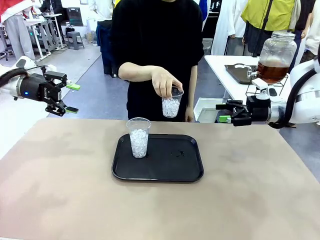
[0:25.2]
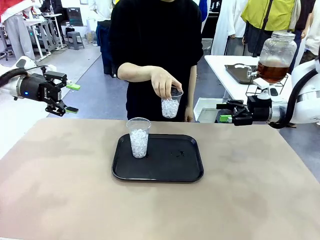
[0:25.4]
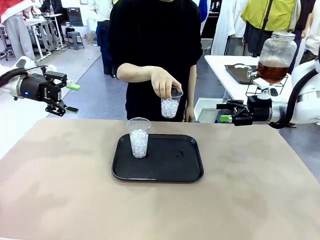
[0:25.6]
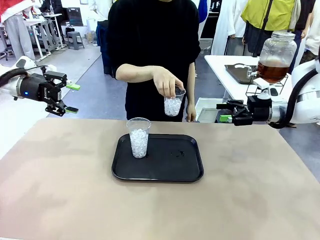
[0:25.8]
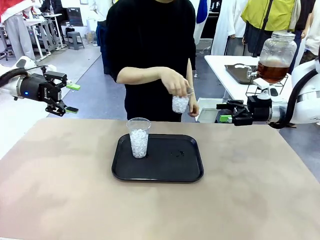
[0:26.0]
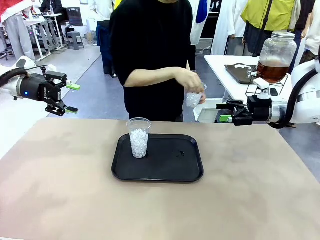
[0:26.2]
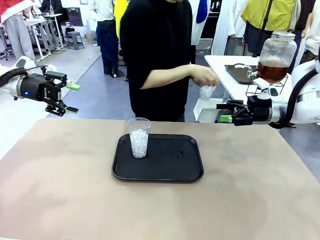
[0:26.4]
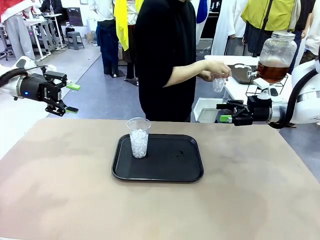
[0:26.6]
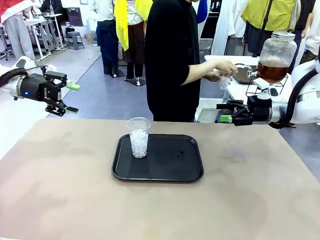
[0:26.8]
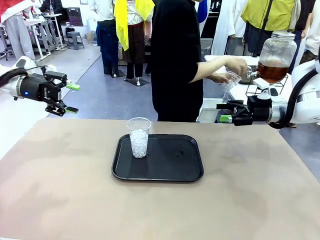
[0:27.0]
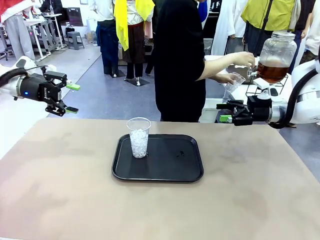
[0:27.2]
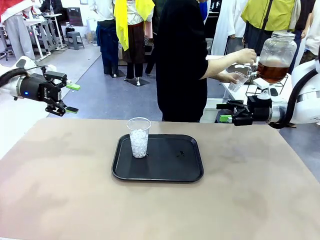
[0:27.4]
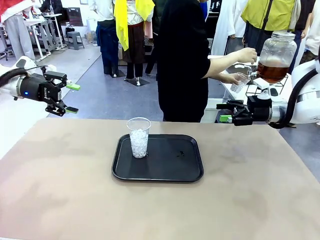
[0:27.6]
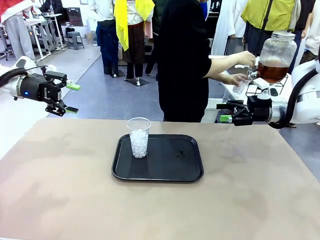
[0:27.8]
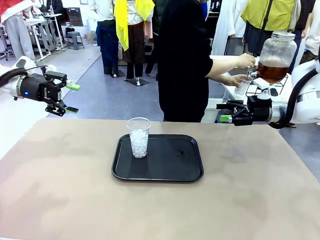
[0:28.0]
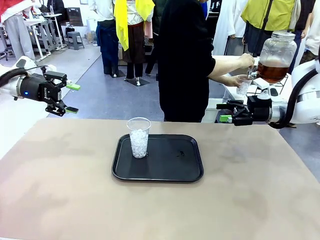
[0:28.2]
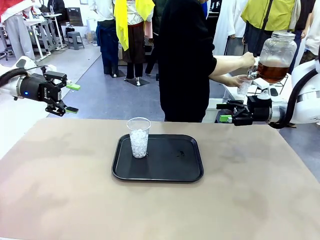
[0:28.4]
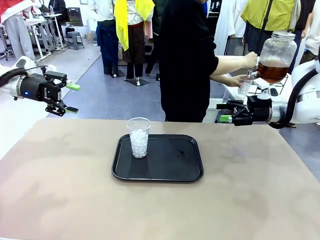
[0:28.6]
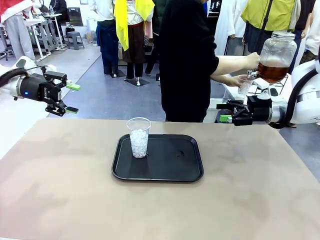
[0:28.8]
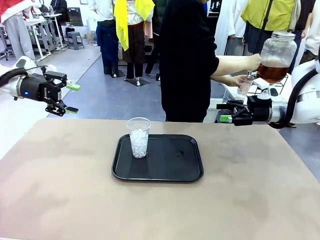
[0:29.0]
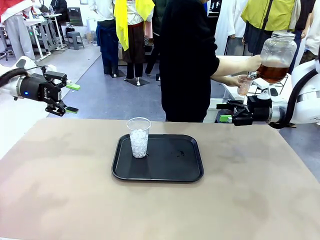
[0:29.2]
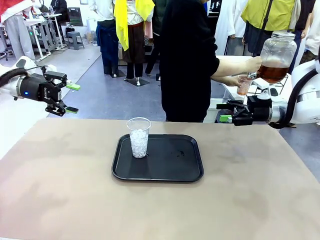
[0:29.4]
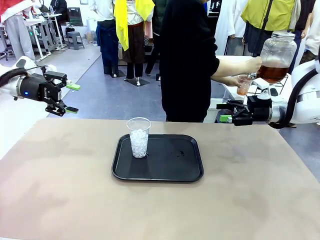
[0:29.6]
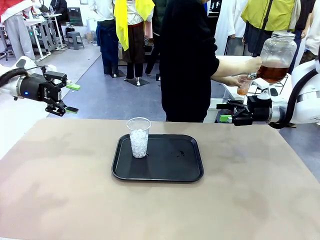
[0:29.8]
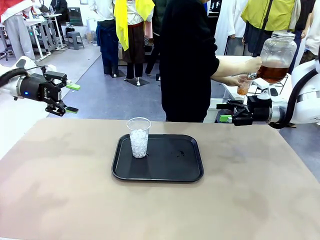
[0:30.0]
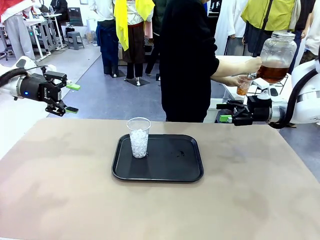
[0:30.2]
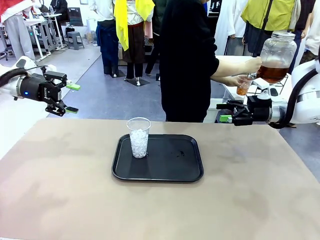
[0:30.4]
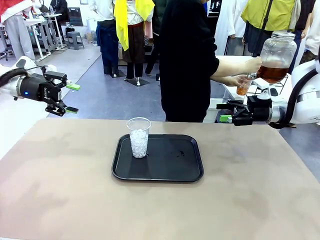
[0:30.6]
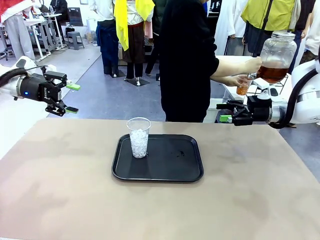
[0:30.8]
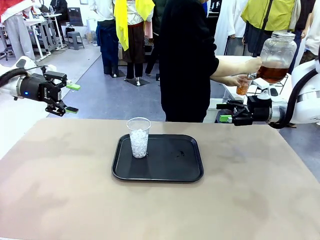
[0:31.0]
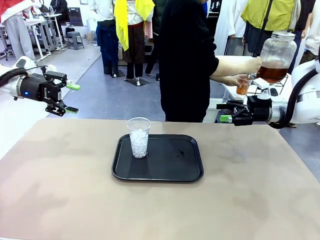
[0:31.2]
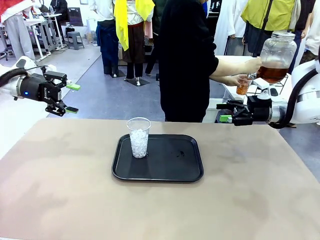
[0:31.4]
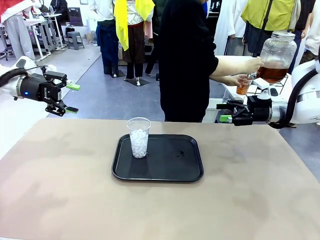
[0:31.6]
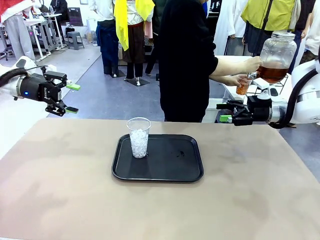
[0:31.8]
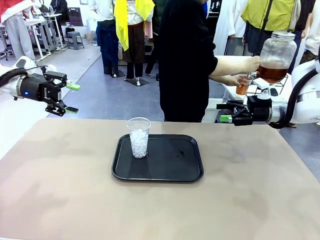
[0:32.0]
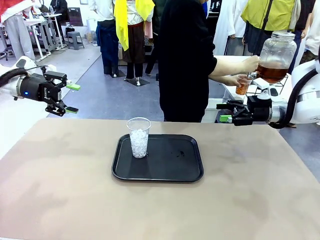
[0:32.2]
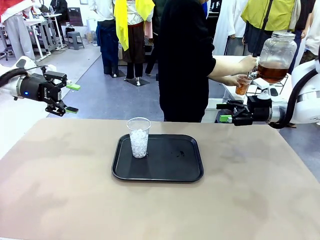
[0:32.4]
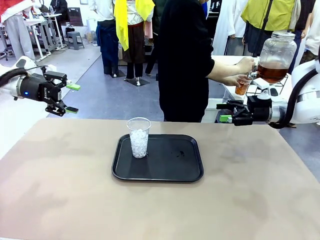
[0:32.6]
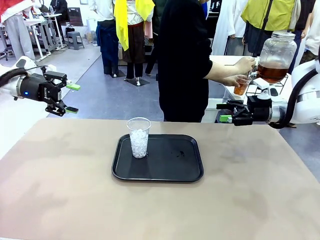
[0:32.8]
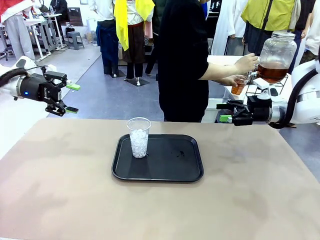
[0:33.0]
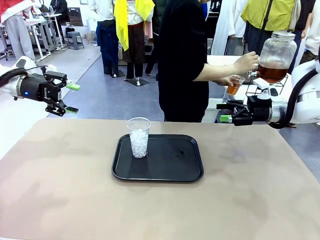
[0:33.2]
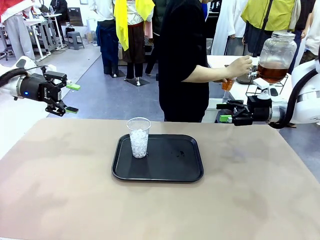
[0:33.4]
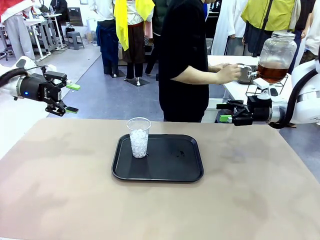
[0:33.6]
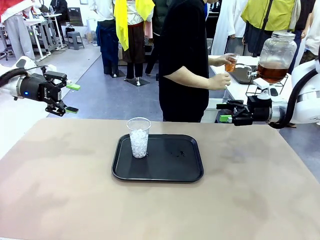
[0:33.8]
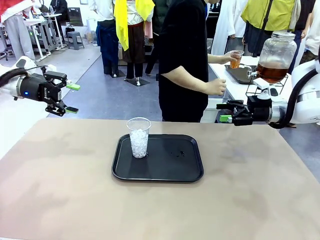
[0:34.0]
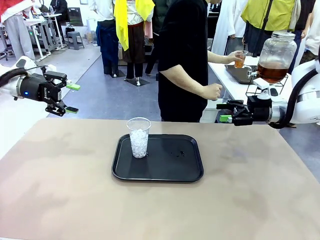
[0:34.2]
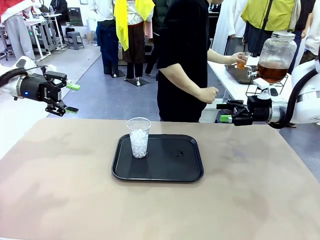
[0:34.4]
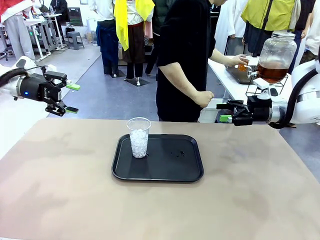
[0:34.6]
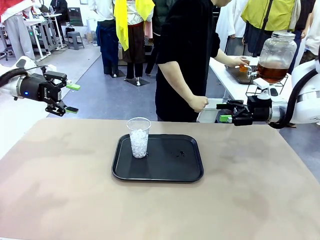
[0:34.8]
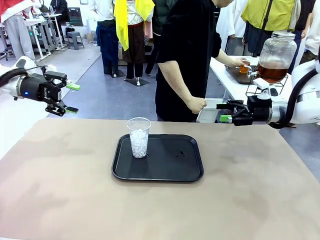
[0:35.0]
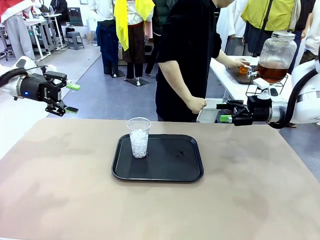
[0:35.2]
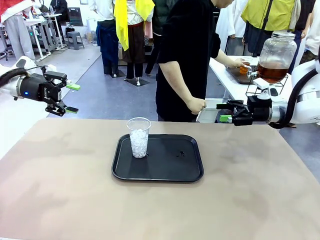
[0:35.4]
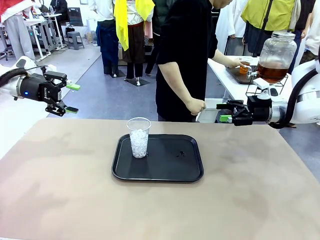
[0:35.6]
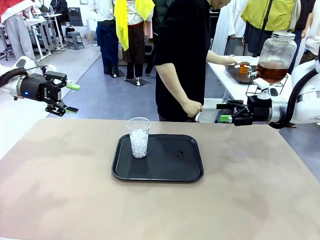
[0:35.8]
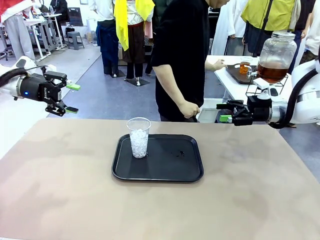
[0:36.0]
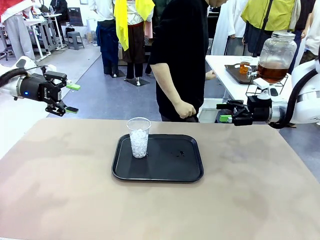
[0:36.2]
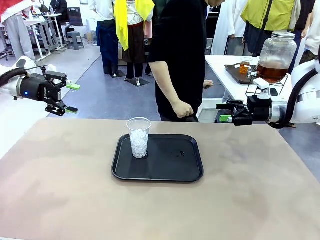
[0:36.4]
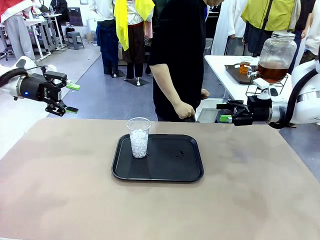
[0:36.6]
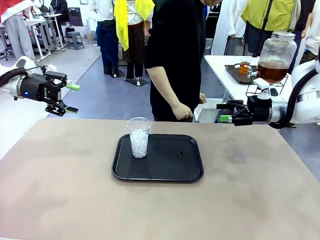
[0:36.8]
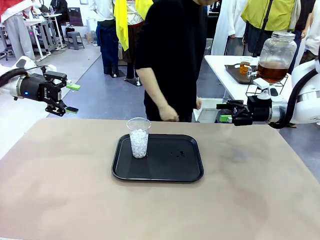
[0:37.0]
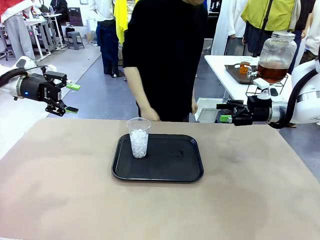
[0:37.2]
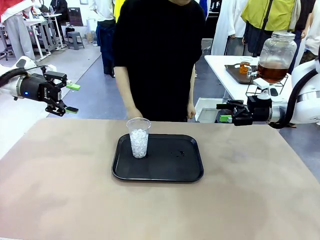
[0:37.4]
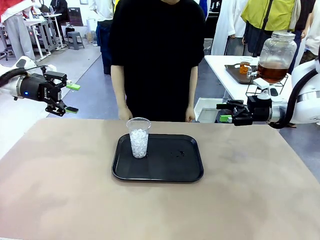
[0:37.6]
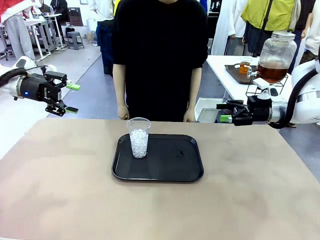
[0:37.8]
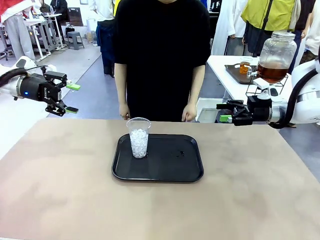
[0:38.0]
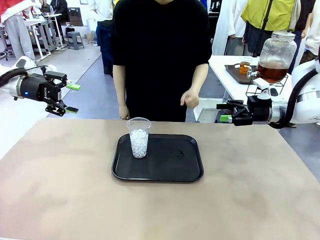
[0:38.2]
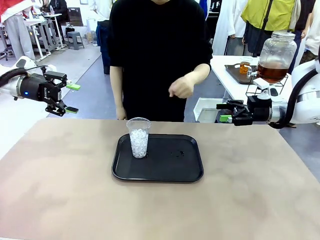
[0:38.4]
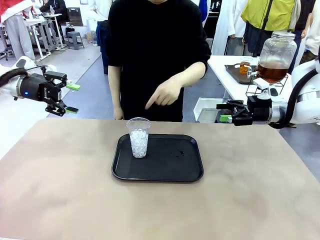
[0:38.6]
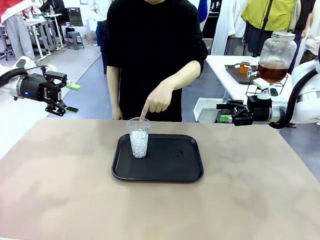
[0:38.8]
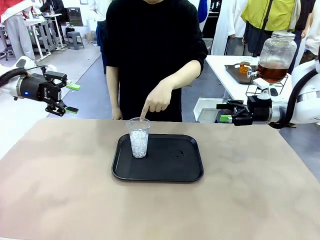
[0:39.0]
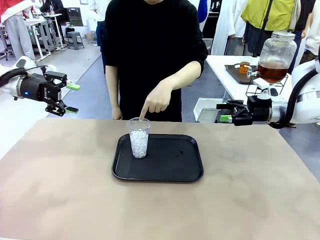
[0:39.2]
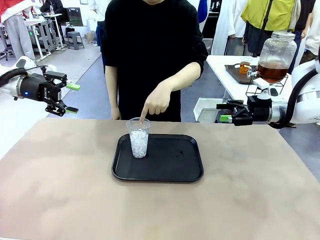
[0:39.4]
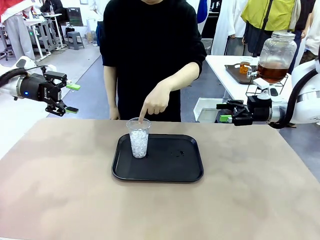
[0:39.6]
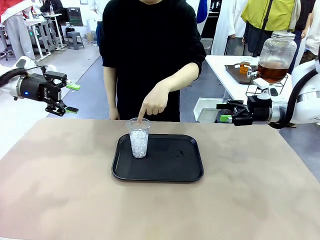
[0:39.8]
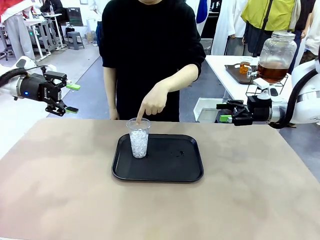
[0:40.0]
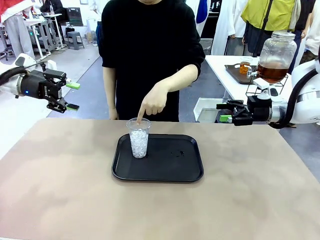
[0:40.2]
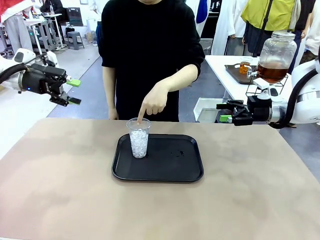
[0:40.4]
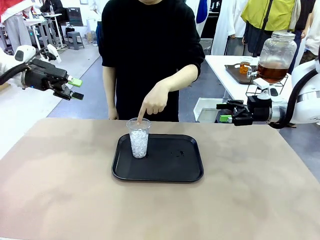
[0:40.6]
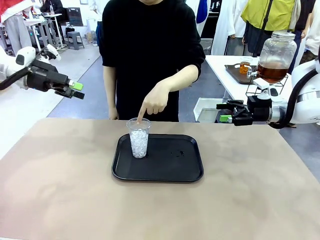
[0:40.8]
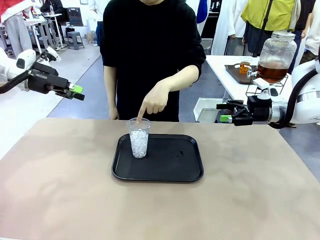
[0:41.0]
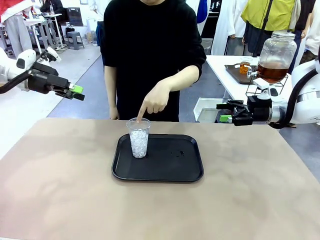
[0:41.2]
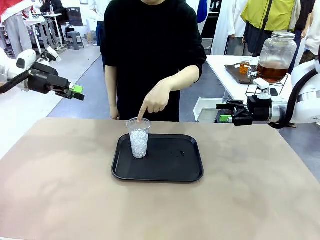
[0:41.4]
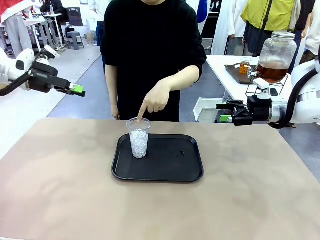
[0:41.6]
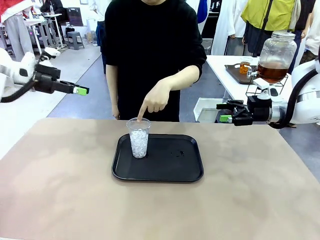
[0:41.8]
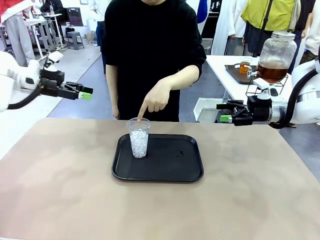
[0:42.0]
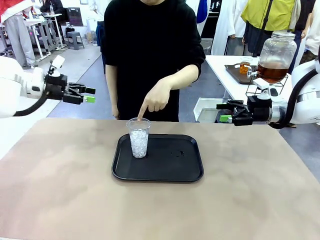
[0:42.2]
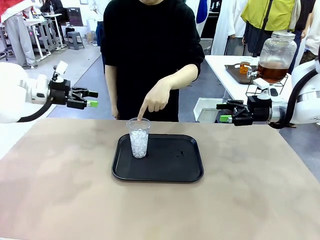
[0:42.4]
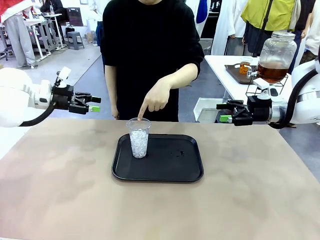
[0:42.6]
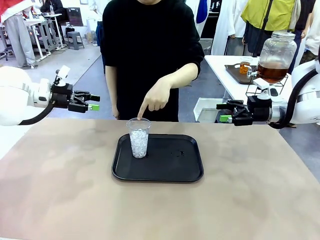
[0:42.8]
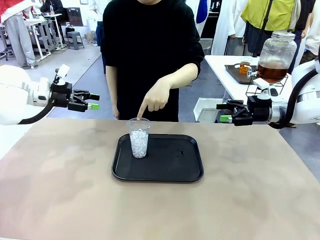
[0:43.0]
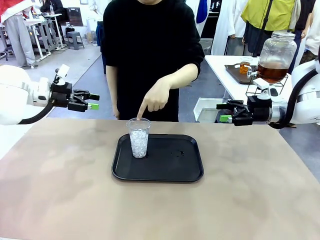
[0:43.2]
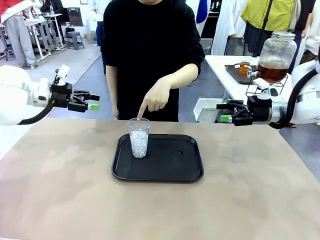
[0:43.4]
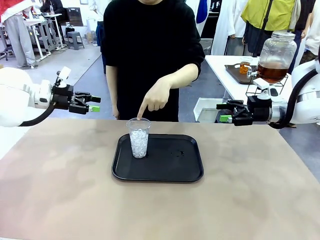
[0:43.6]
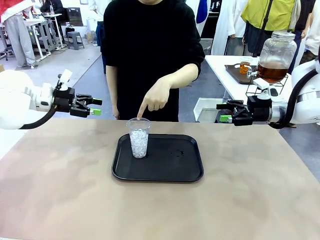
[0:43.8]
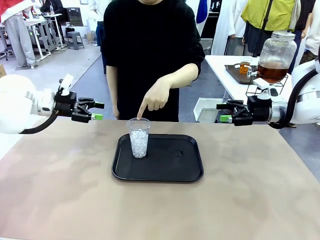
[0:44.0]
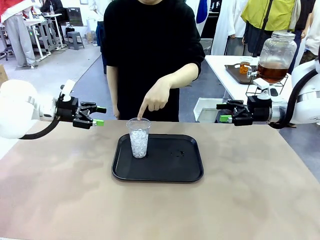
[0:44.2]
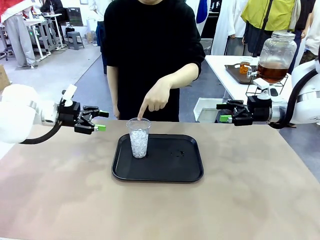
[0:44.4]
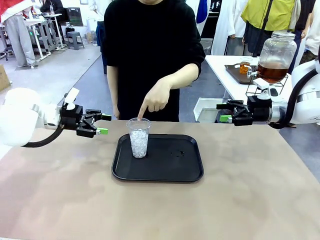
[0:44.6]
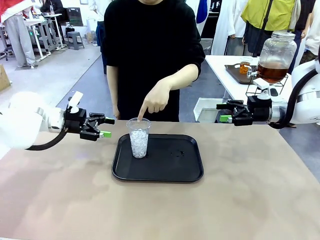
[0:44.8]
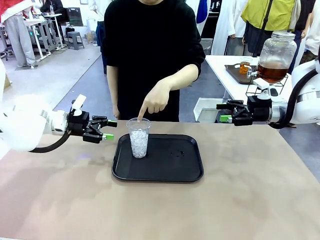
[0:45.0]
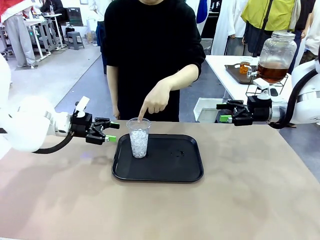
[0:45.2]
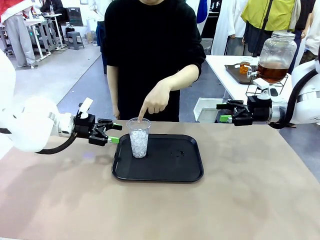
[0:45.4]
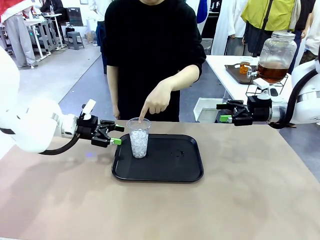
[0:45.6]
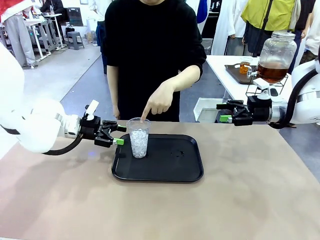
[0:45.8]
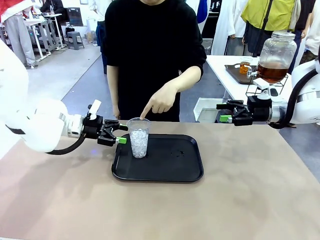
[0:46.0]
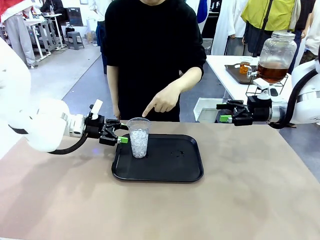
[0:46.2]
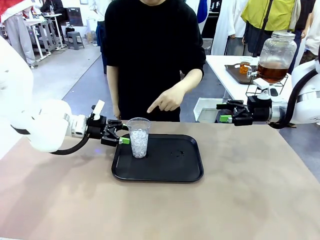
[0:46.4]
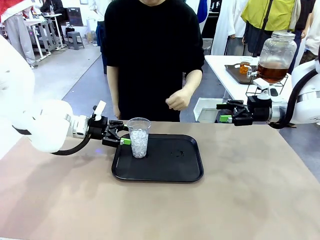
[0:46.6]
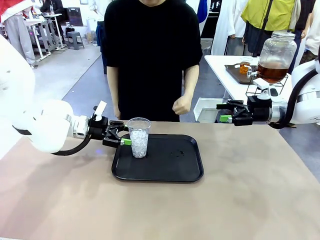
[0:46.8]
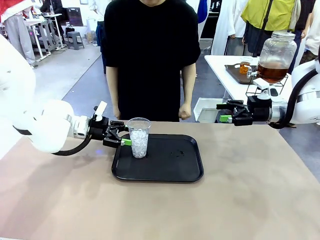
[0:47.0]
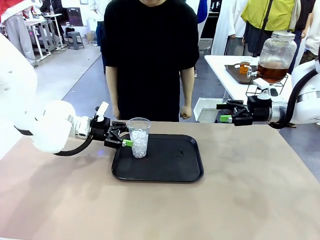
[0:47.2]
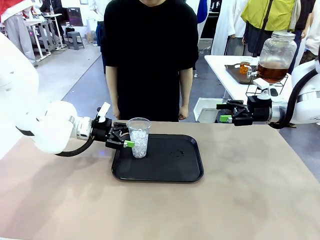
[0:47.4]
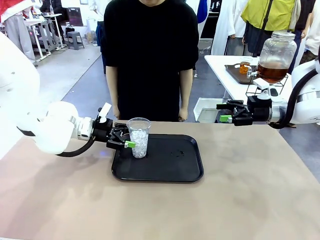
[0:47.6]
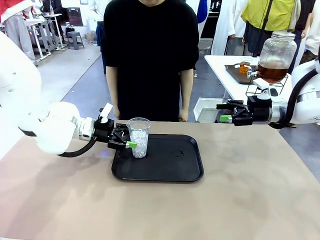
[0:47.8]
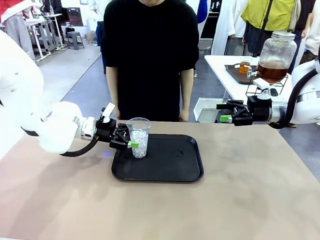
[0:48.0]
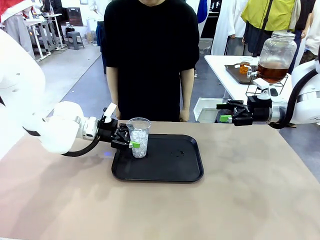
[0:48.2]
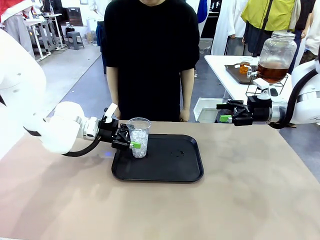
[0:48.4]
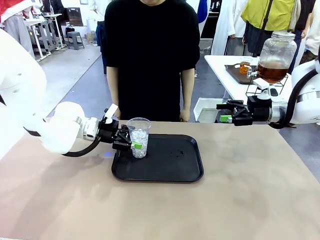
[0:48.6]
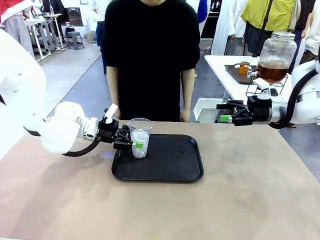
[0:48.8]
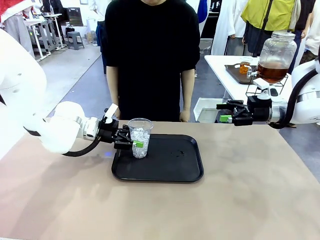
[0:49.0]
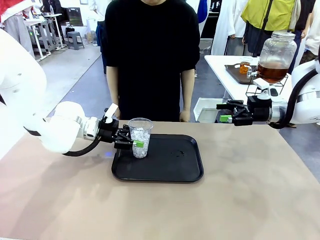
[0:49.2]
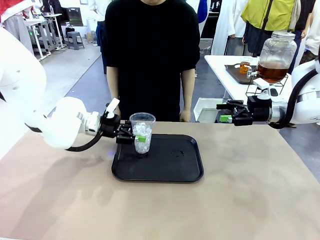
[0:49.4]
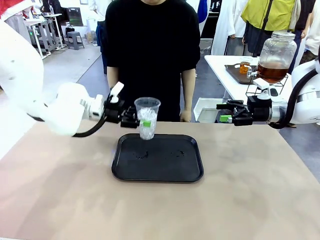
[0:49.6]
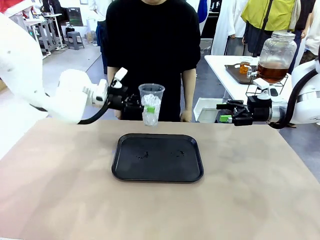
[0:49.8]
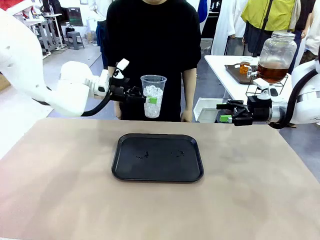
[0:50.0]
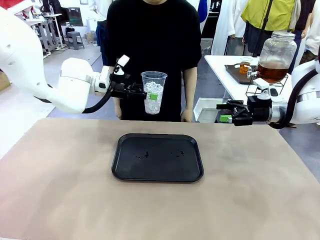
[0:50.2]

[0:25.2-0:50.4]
Task: Pour the drink into the iced cup.
Robot: Pick up the iced cup indicated by the human and present it to them.
Person: Move the picked-up cup under the dispenser faucet, pour the drink, and place it on the tray on the human table. Point to the remaining ice cup on the robot table. Pick up the cup offered by the robot.
